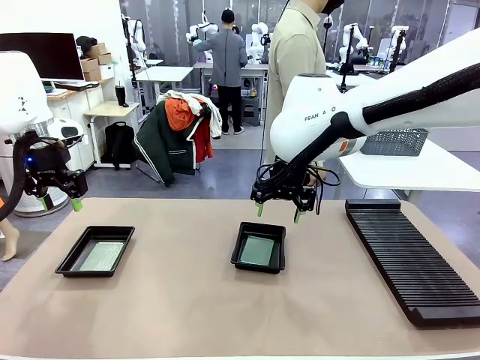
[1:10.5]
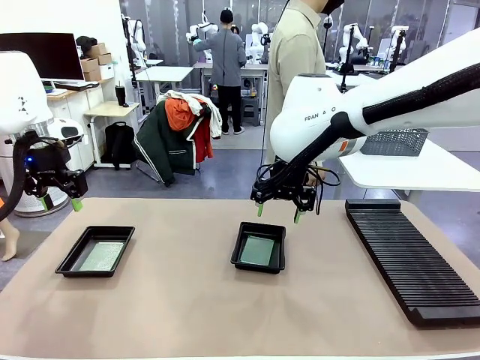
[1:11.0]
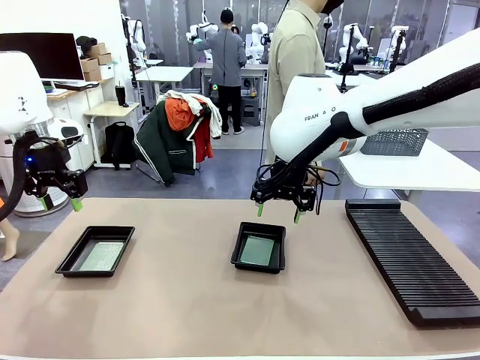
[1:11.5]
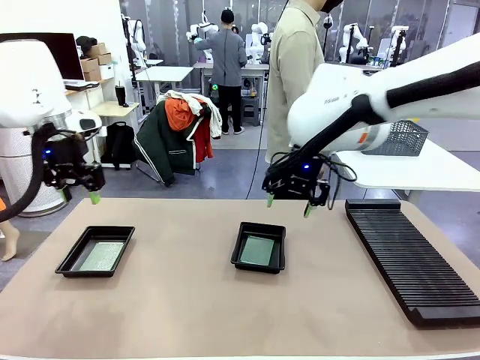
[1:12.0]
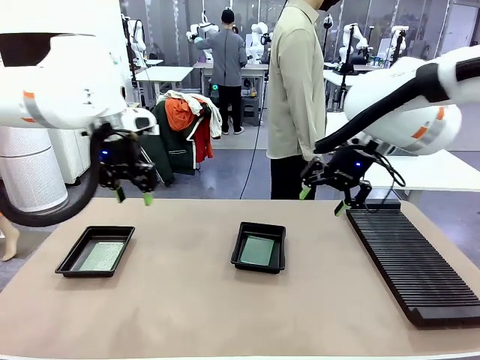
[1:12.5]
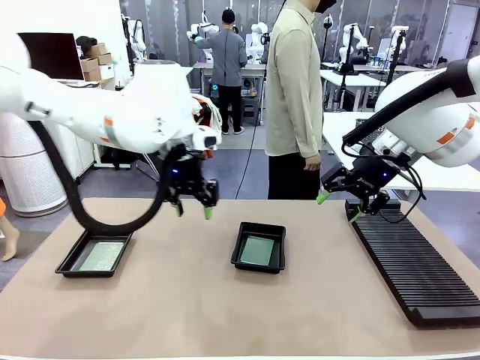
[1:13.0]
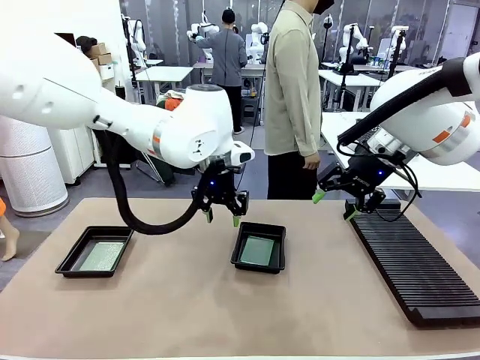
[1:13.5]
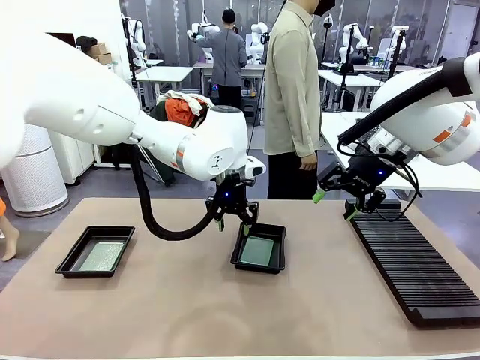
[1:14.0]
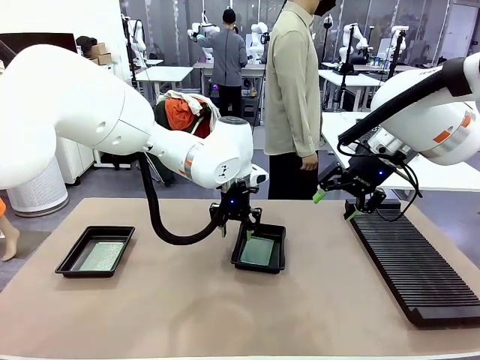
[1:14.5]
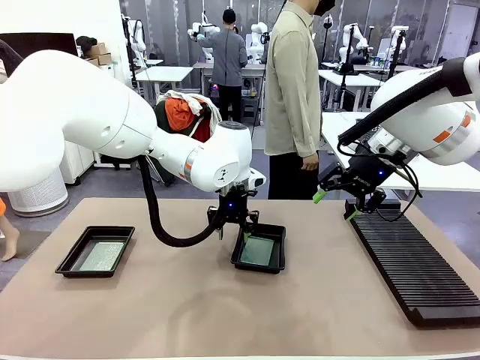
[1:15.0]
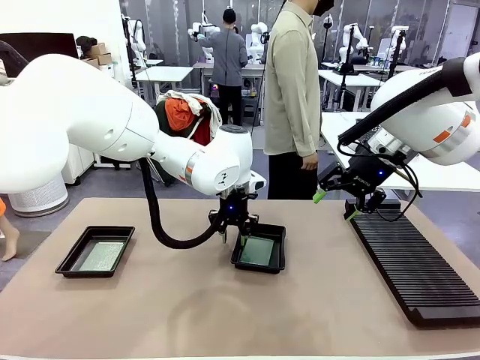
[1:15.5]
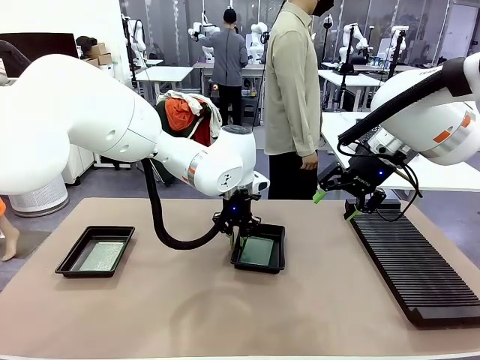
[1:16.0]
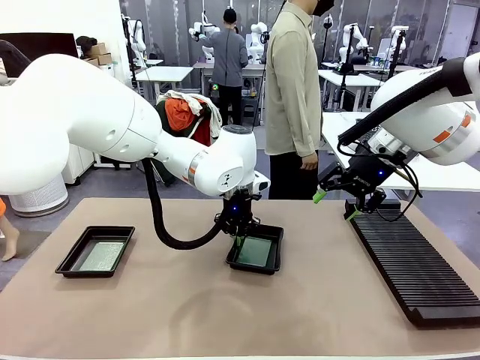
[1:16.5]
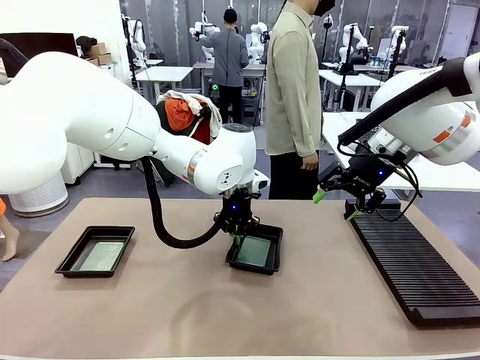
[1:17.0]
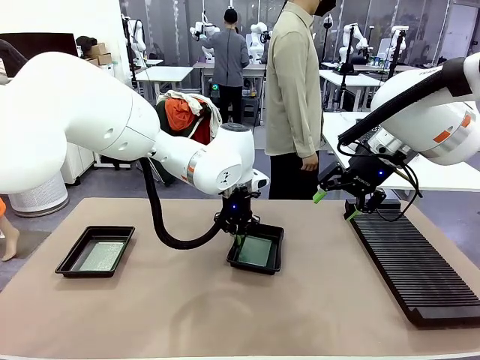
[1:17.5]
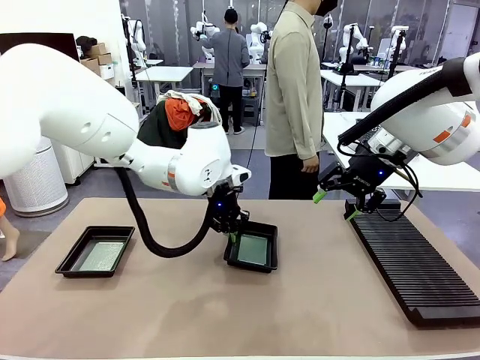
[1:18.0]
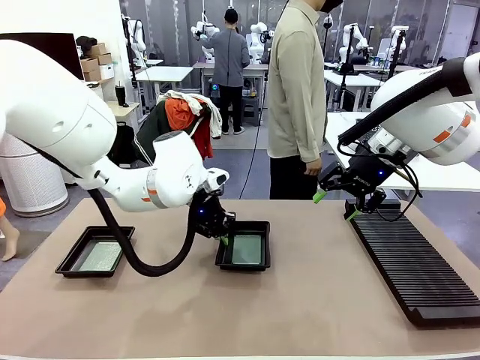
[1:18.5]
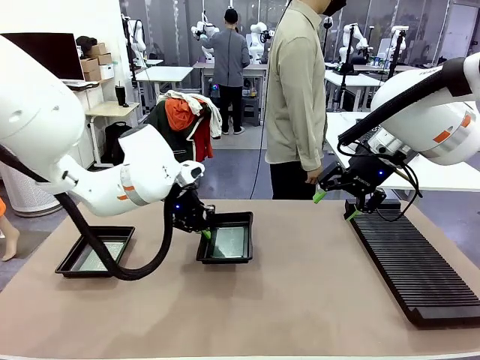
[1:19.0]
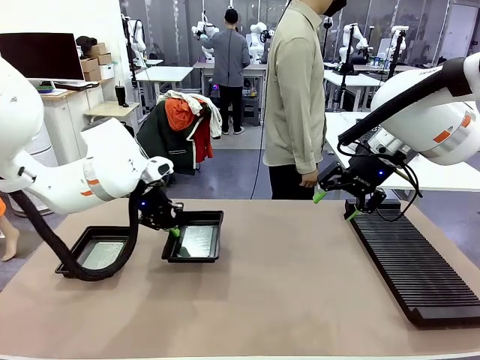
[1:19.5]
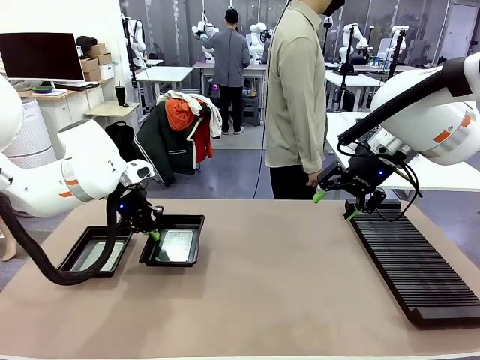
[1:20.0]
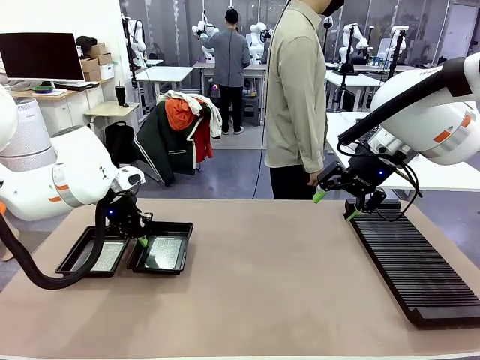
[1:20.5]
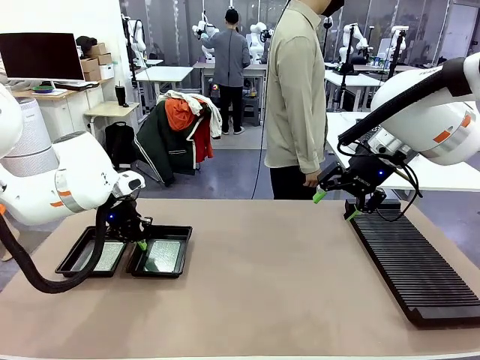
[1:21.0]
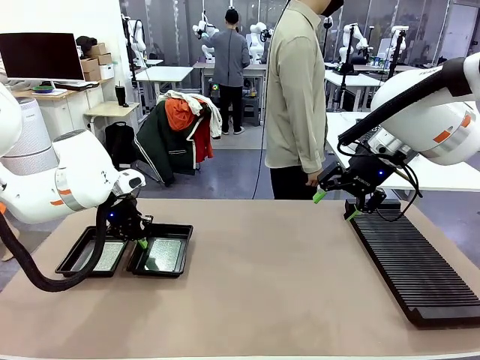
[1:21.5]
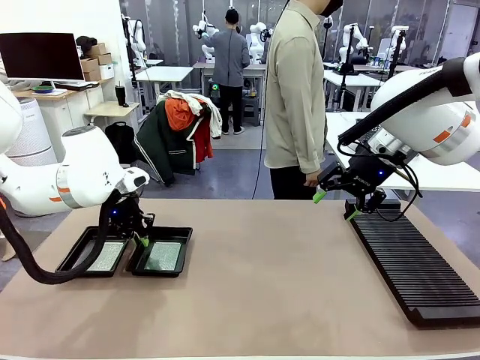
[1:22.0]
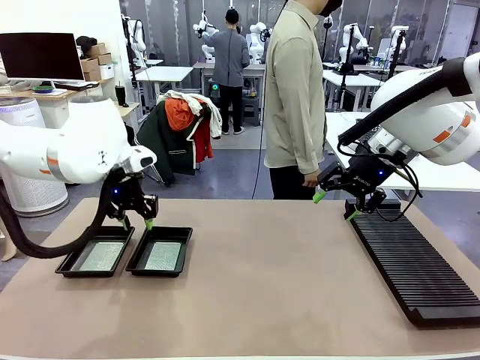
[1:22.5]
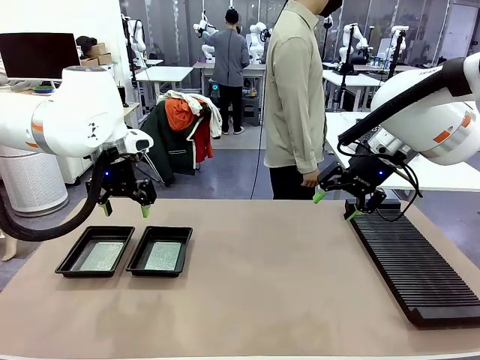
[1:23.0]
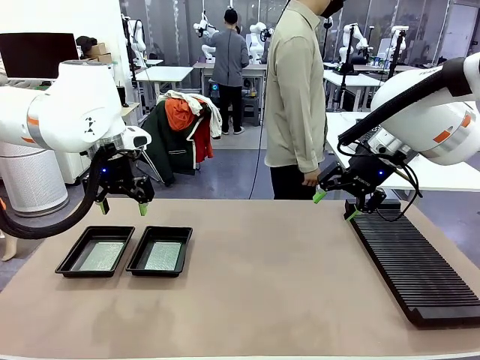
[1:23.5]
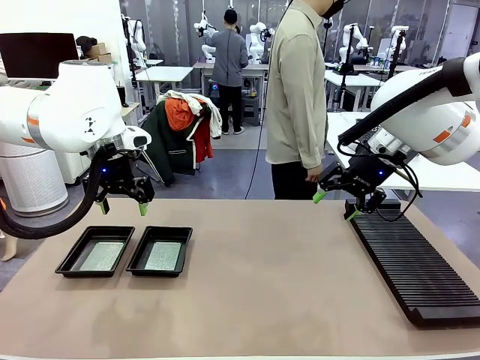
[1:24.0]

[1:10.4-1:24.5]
Task: Inspect and transfer BCBs to ESD trays.
Robot: Pick up the ESD tray and place it on the left side of the table.

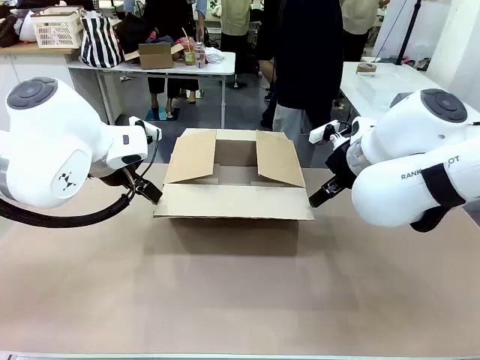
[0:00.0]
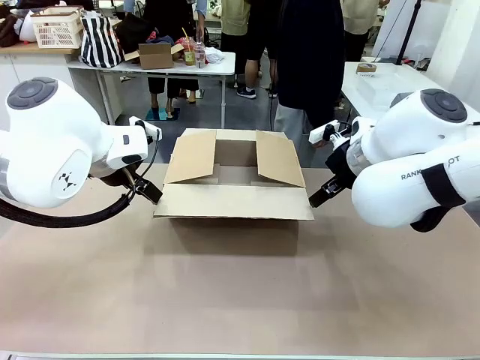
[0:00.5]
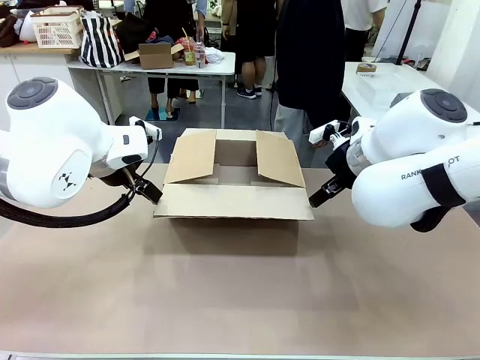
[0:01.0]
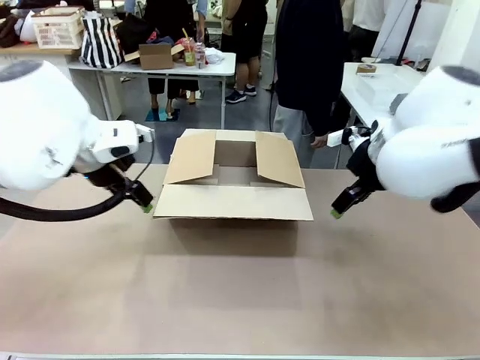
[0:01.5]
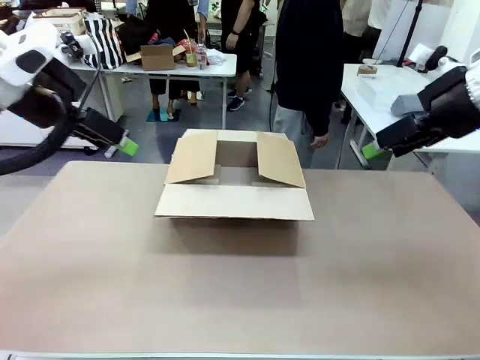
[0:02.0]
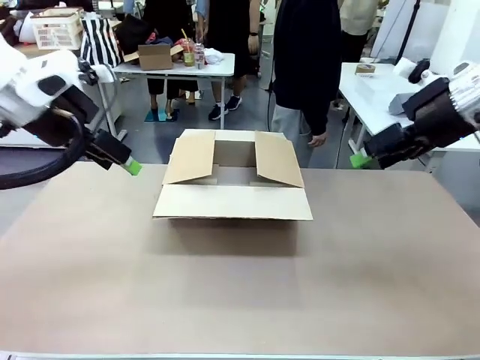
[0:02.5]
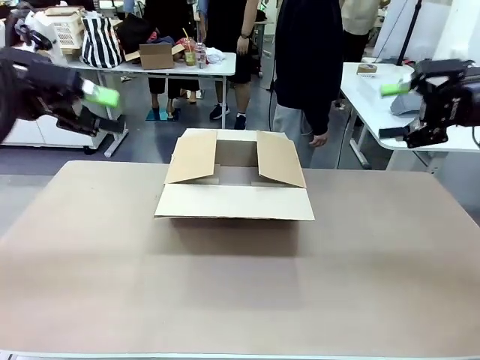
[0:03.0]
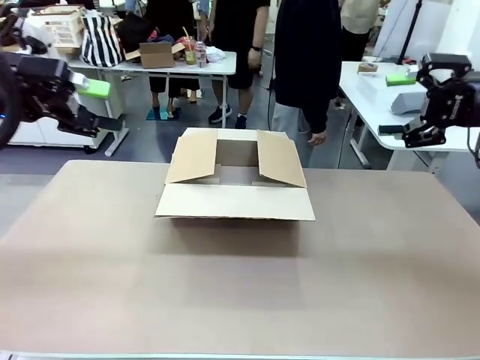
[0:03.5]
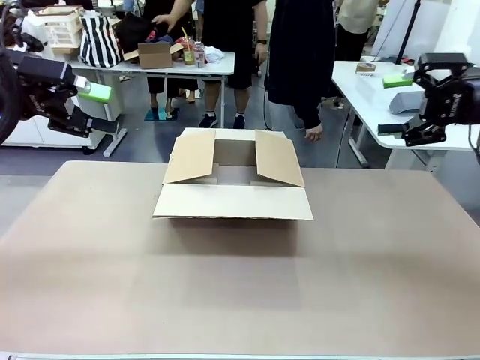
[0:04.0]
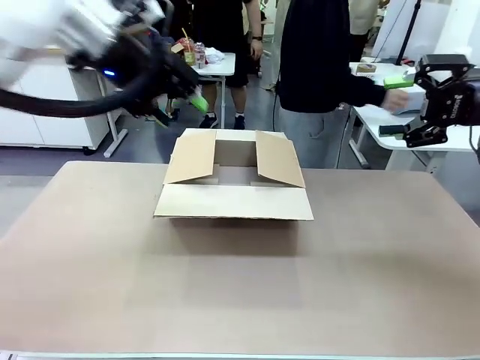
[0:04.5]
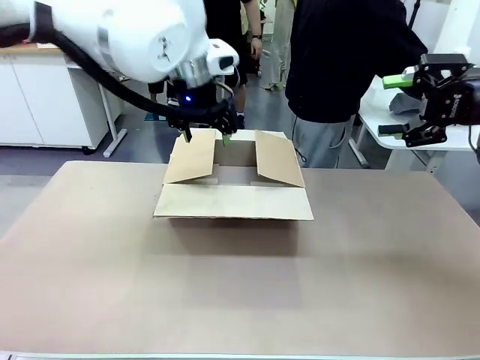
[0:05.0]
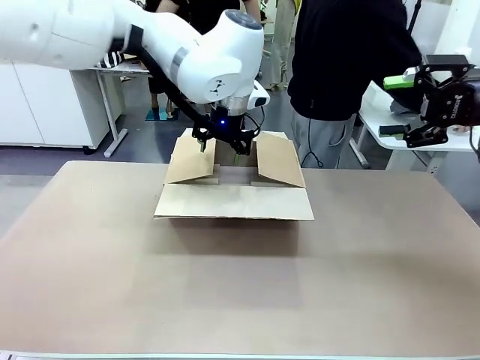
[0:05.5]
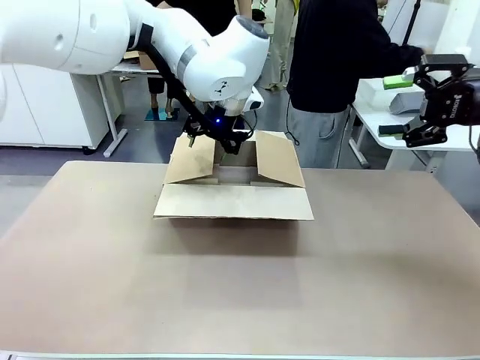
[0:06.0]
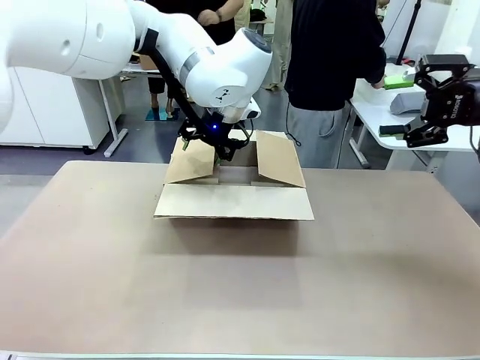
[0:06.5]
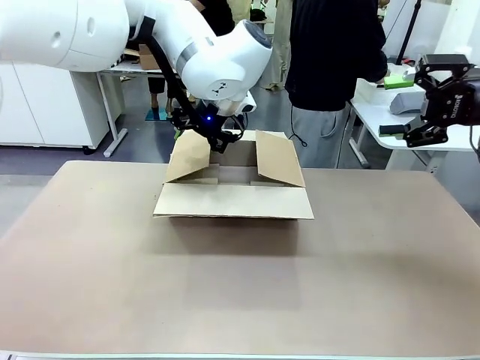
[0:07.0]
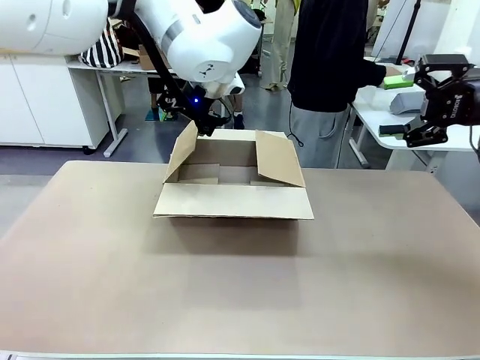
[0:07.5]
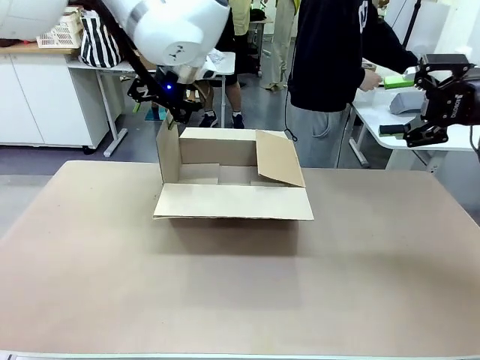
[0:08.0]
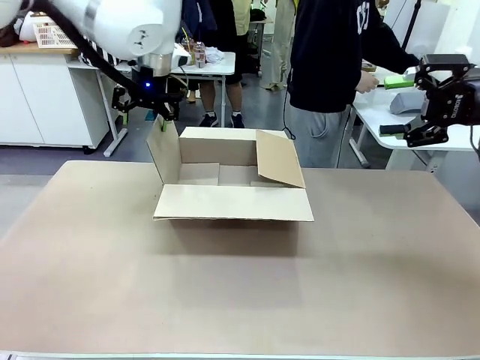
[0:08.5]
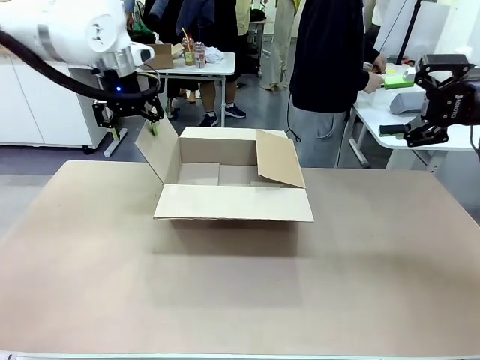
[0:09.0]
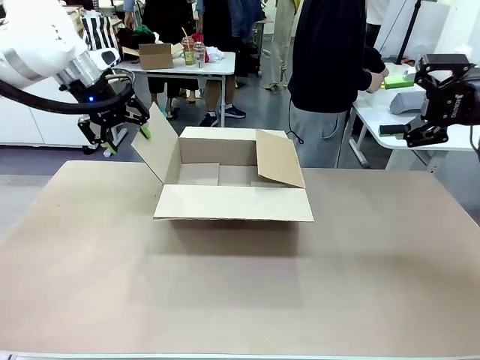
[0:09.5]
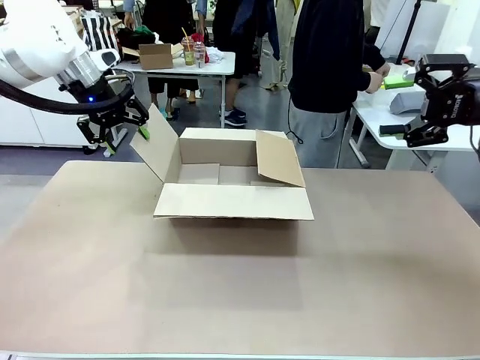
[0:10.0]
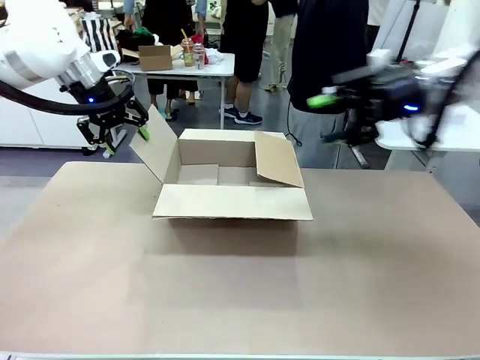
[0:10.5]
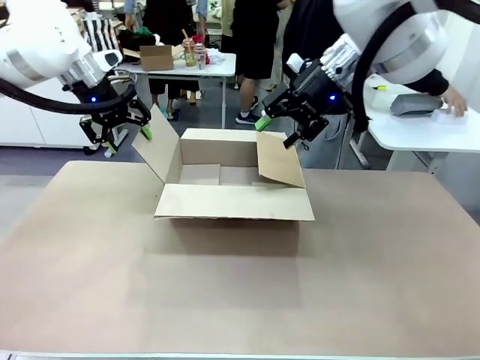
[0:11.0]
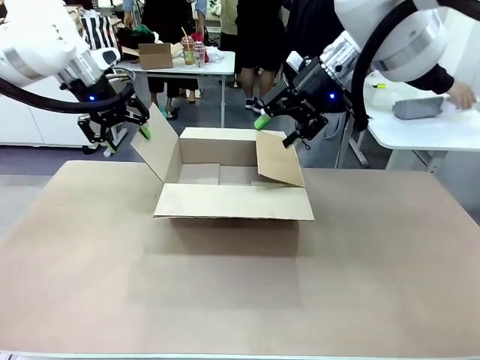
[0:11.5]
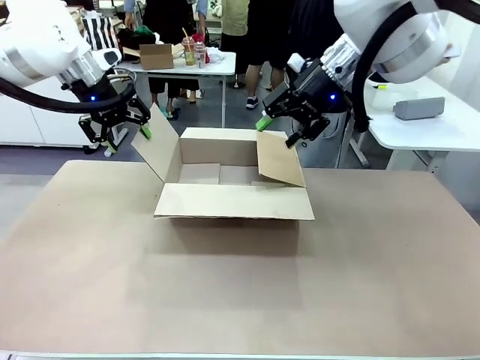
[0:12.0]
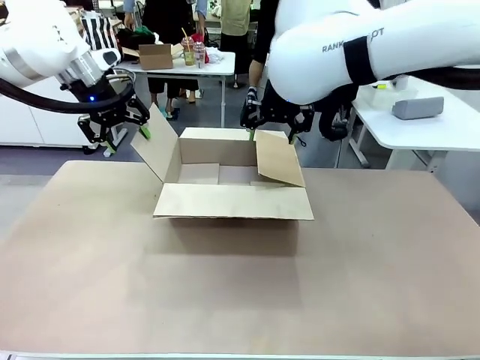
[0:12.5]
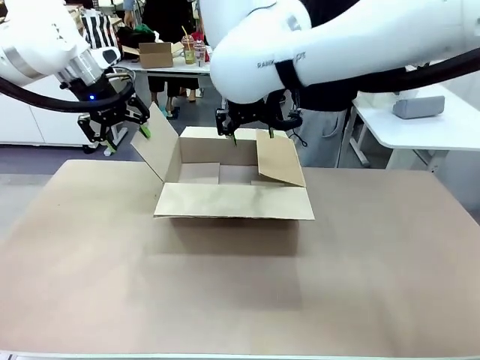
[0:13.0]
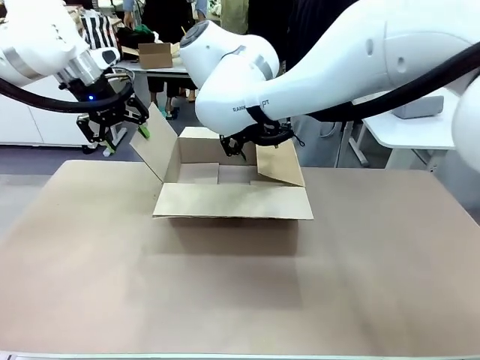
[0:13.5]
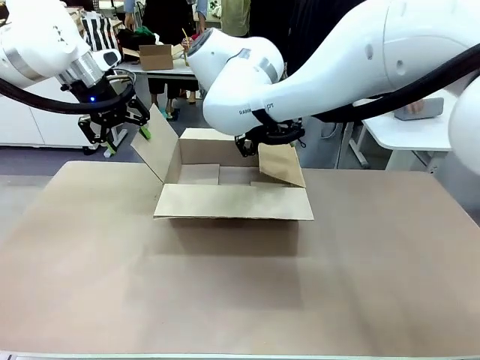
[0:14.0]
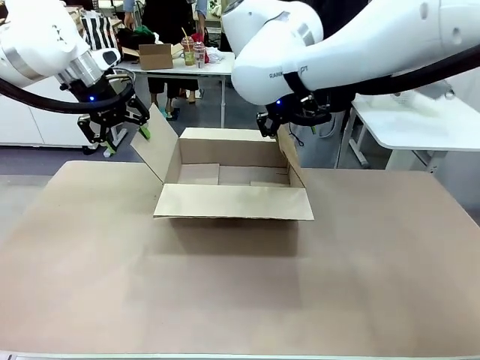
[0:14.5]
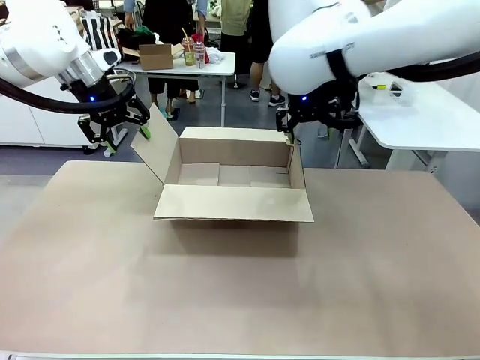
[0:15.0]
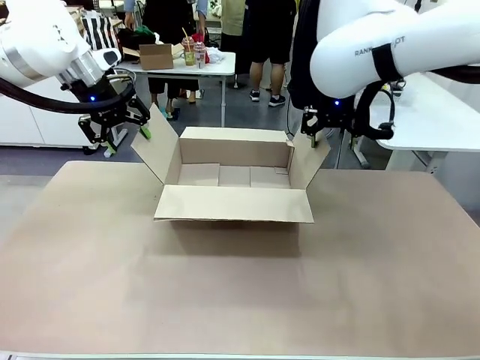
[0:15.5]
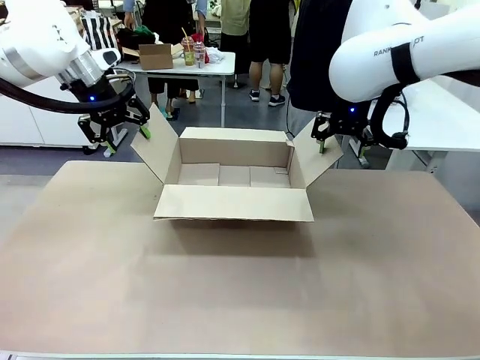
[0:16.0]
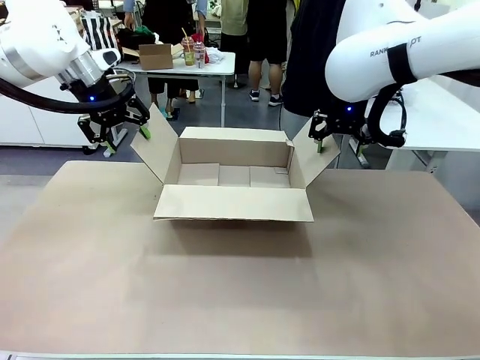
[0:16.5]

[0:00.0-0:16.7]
Task: Pack the gift set into the box.
Robot: Place both hands on the side flaps of the Package Box and spread them outward.
Person: The human places all items except the paper tape into the organizing basket.
